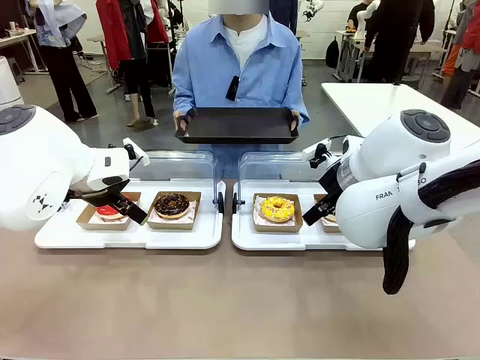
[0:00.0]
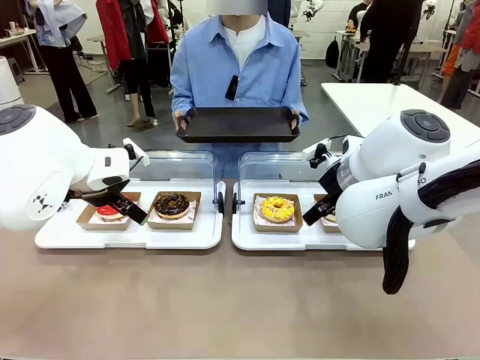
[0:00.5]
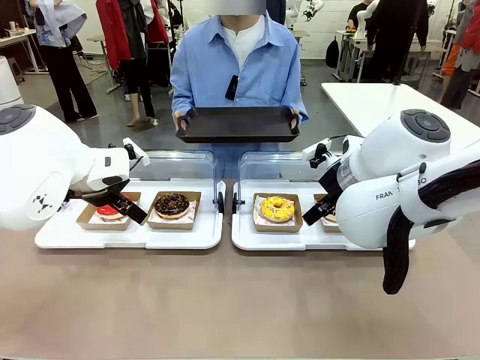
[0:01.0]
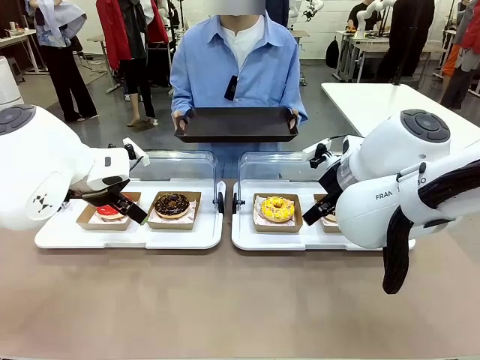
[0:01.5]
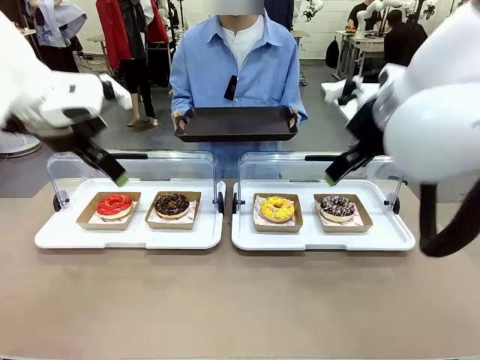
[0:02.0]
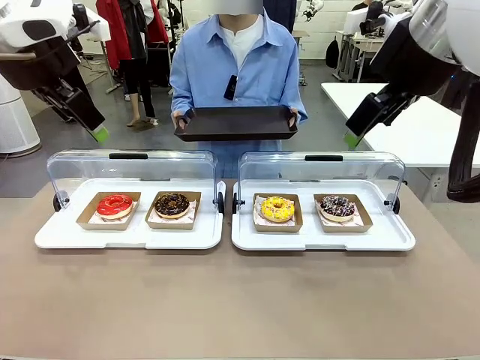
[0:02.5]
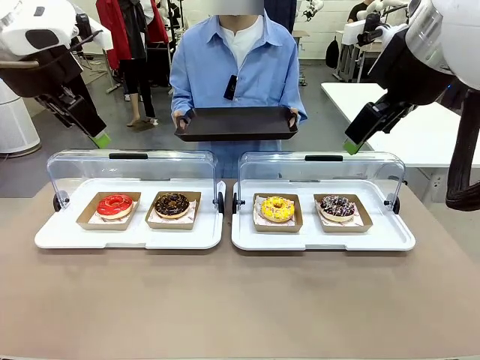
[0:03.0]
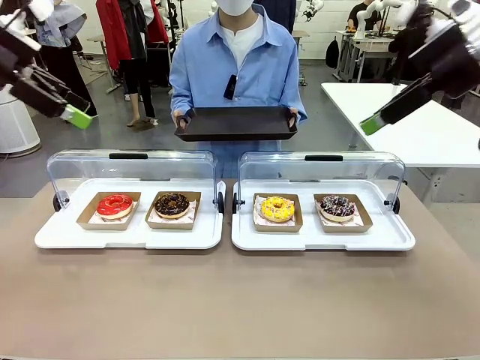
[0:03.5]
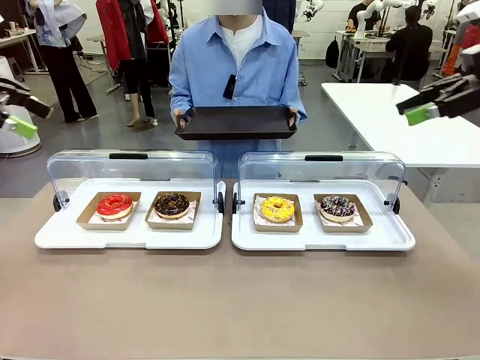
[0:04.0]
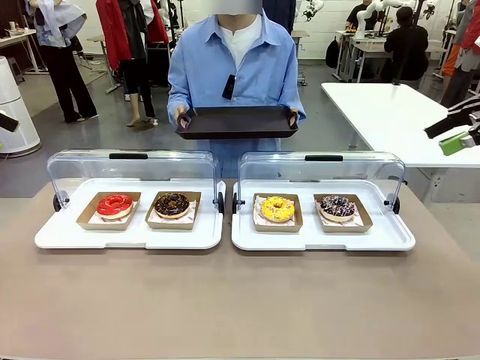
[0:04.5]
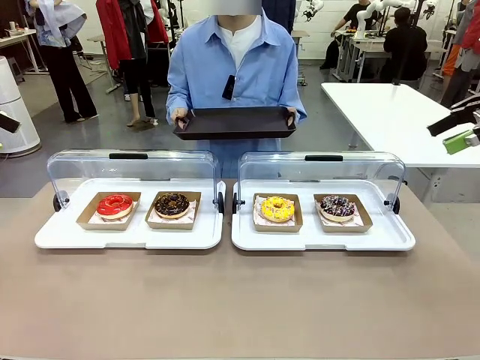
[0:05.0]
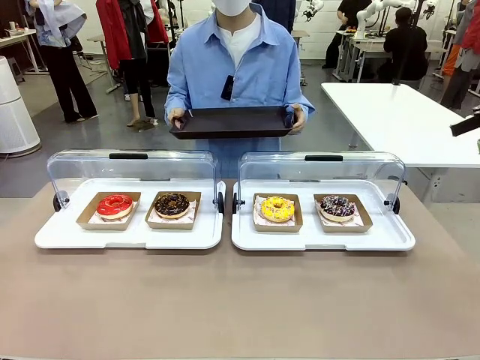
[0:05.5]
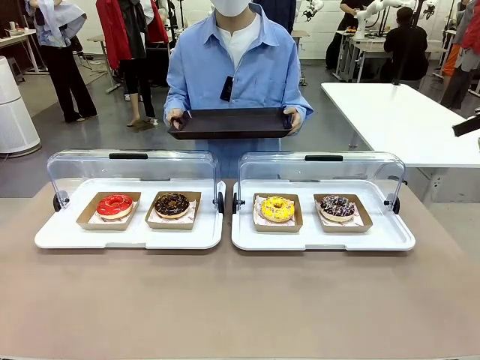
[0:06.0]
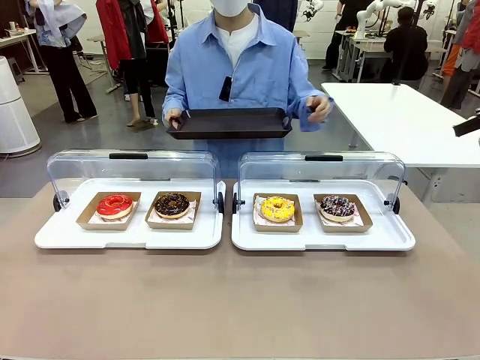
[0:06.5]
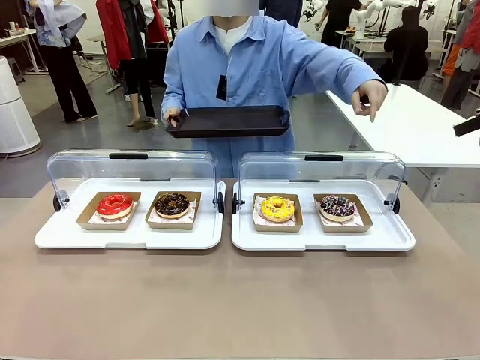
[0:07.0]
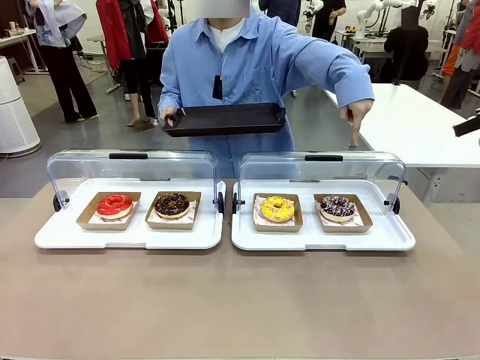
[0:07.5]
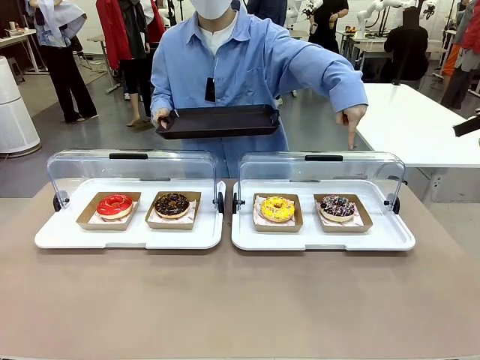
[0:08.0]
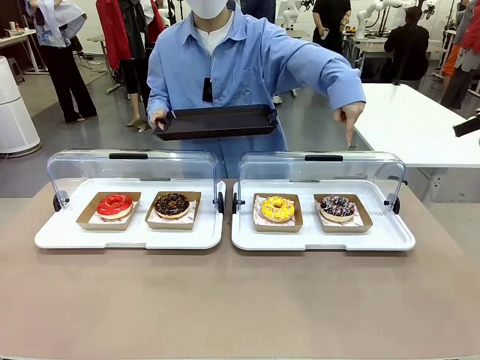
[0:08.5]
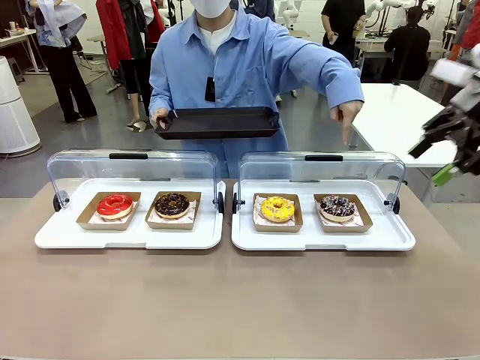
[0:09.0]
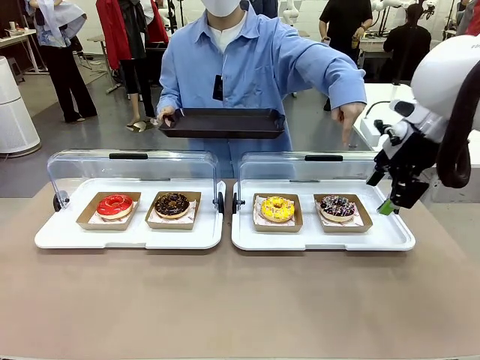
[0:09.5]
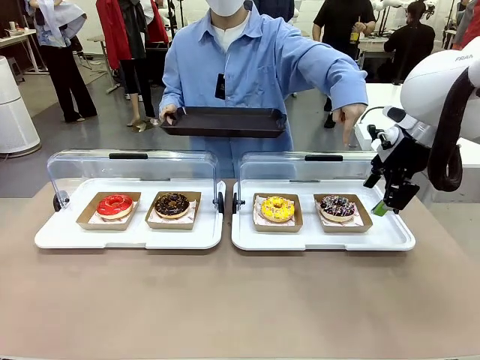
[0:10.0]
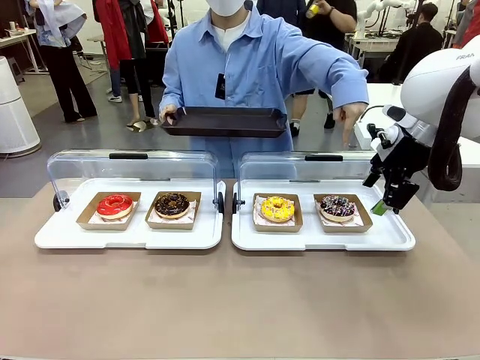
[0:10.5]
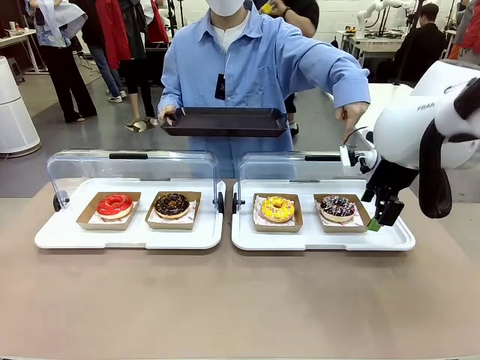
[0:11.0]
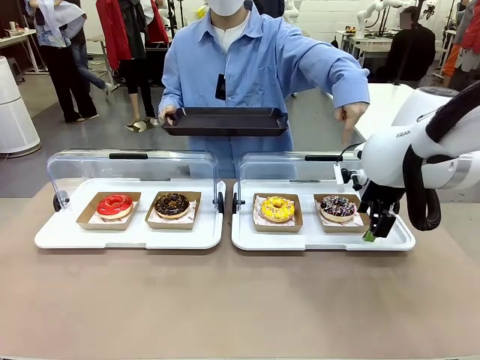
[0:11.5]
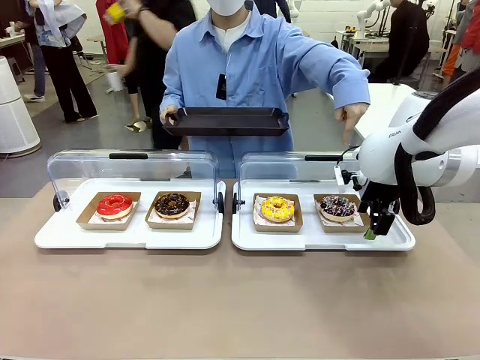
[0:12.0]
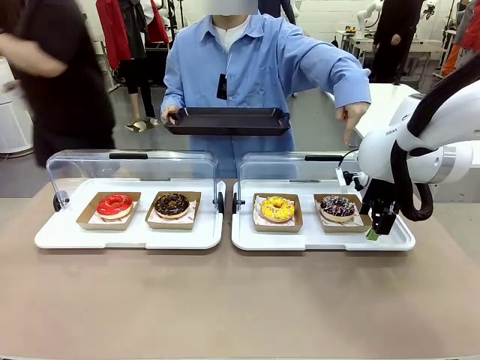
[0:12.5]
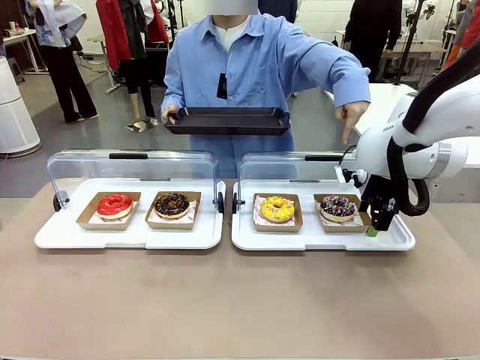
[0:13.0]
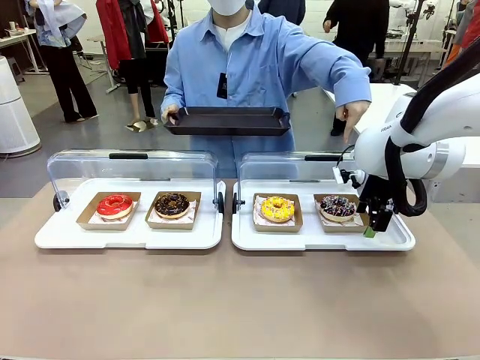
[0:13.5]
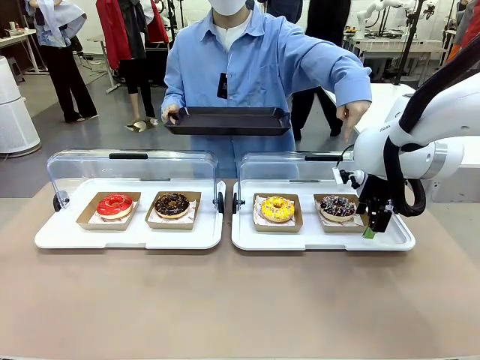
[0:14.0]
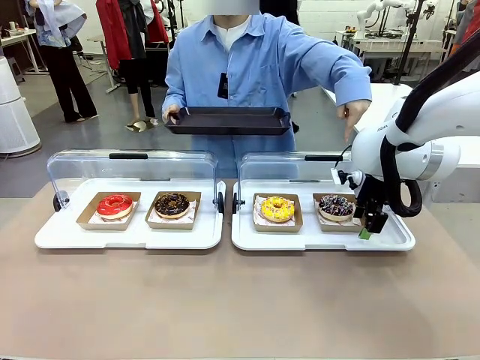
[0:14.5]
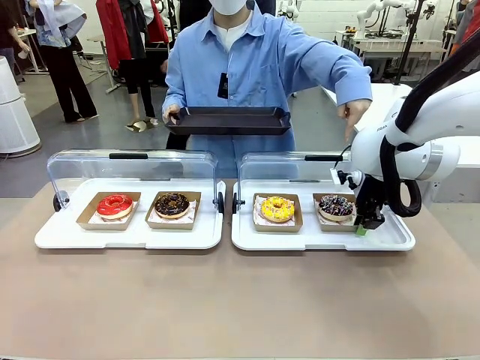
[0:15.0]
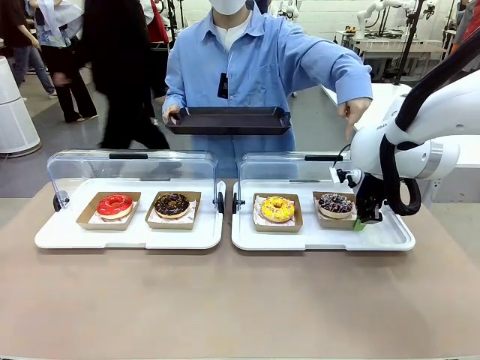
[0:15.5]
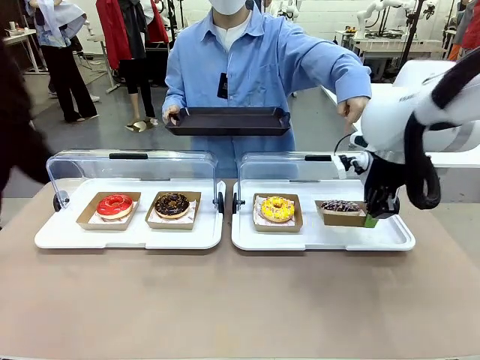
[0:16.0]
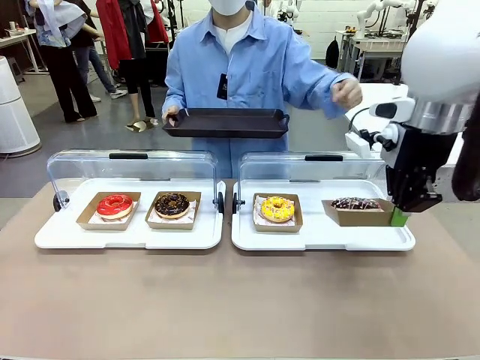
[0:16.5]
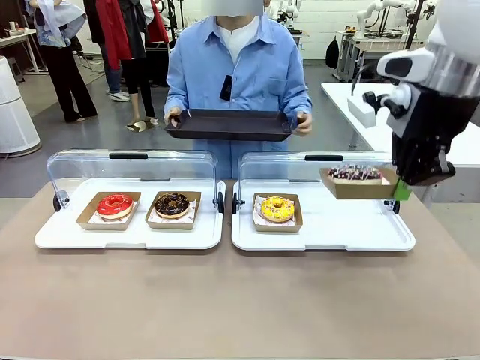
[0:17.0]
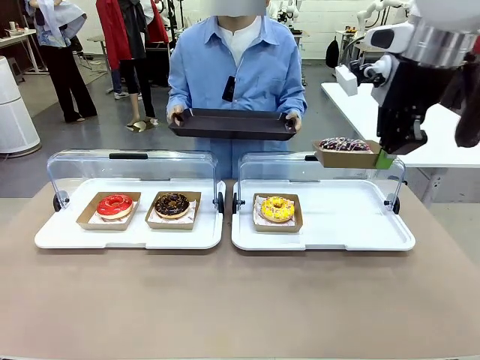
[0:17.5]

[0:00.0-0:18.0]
Task: Provide the desired donut to the person.
Robot: Pick up and lift the Paper togo box containing the Donut pointed at by the person.
Person: Point to one donut. Lift the tray onto the Roll-Top Bakery Case.

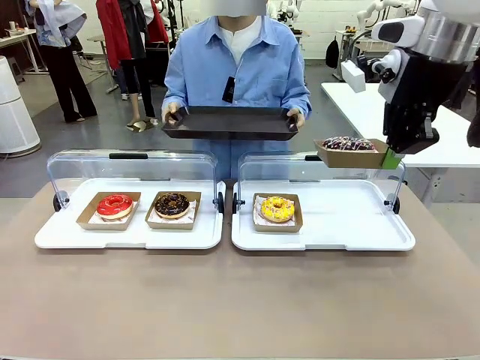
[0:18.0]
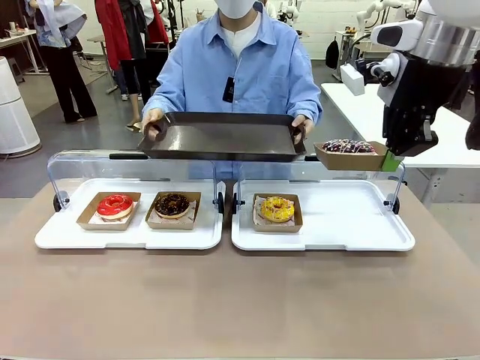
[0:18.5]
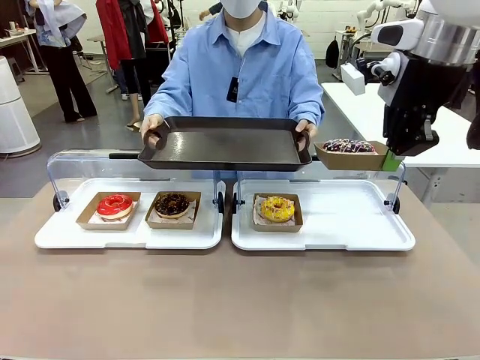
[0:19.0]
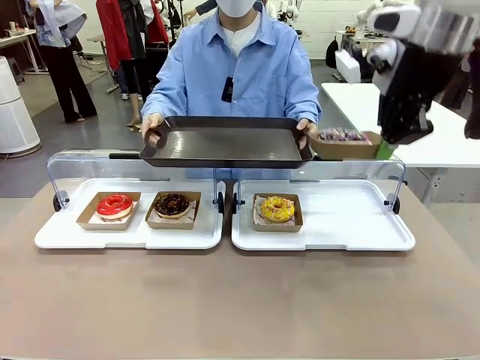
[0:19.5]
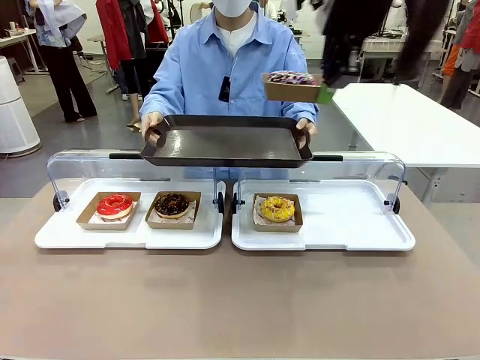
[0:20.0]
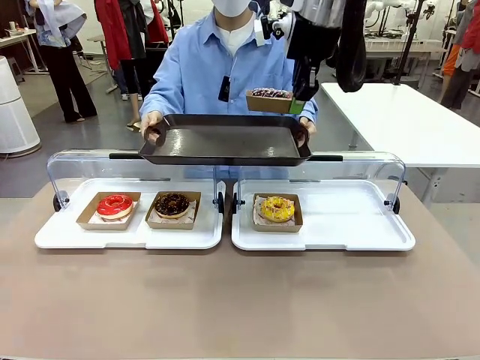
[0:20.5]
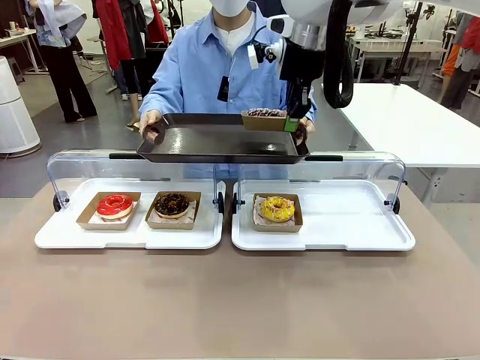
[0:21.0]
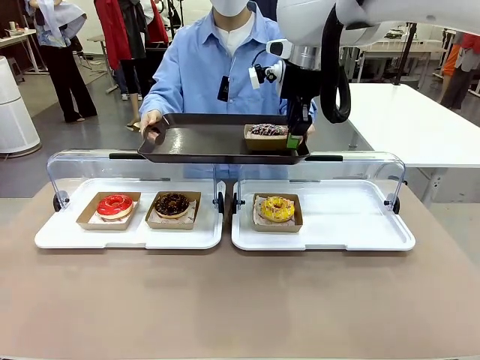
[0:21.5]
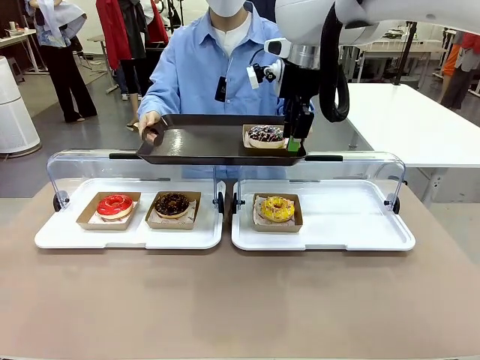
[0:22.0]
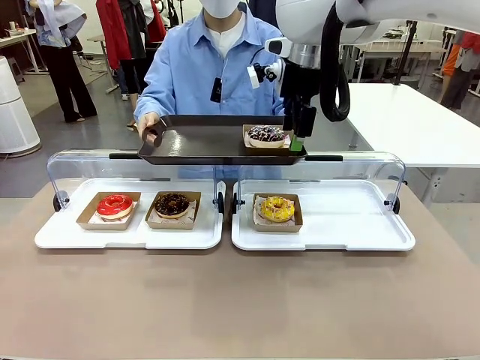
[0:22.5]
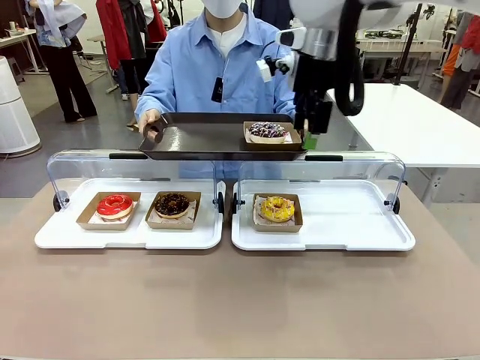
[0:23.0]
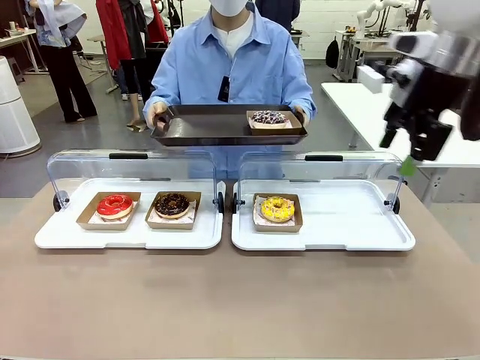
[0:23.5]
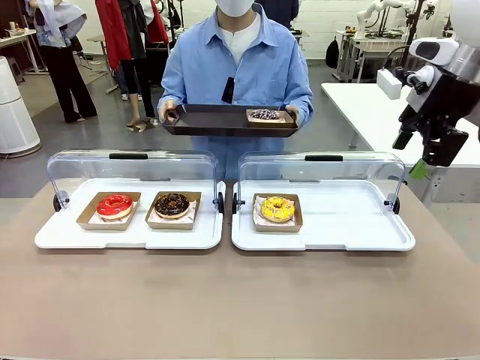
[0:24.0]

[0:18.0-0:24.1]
Robot: Place the picked Paper togo box onto the Handle tray extended by the person.
